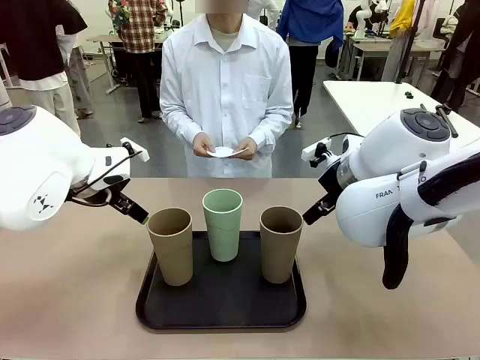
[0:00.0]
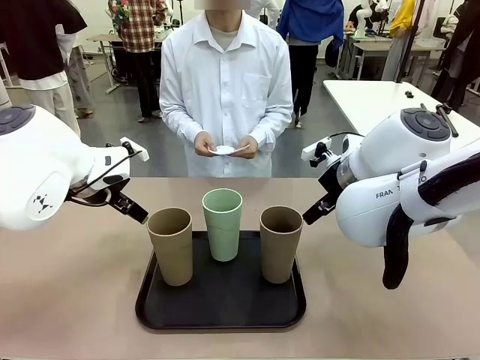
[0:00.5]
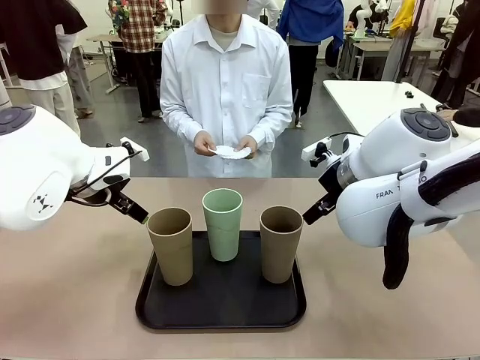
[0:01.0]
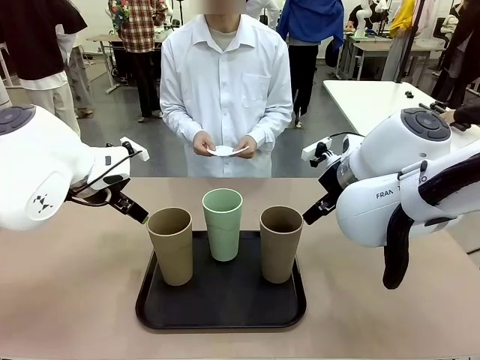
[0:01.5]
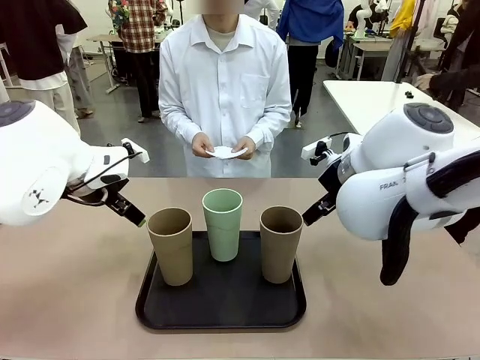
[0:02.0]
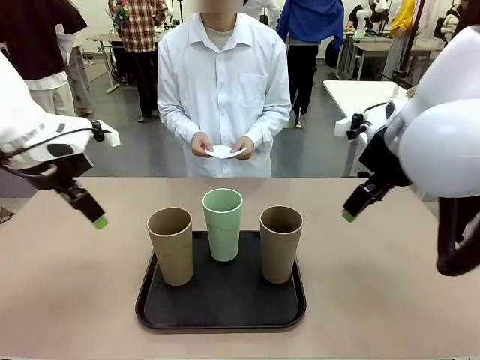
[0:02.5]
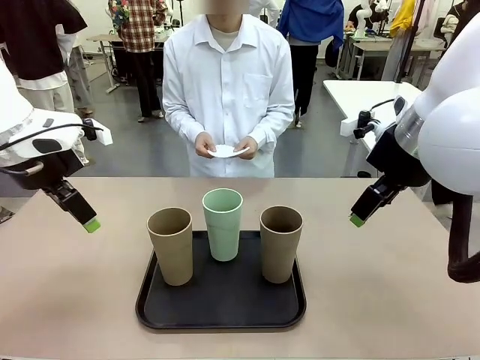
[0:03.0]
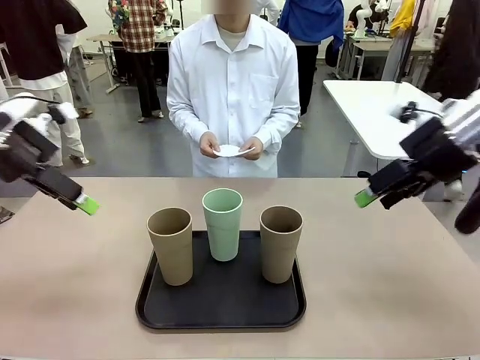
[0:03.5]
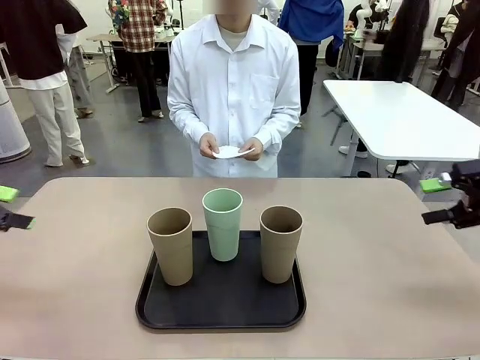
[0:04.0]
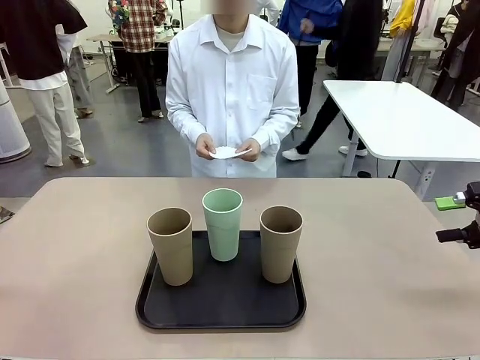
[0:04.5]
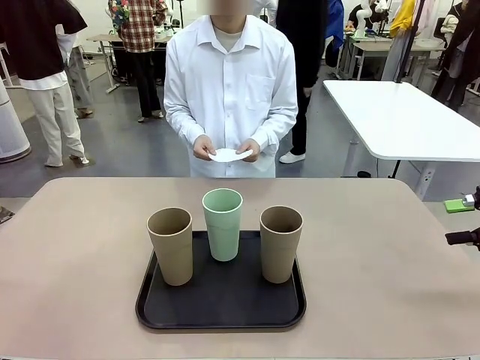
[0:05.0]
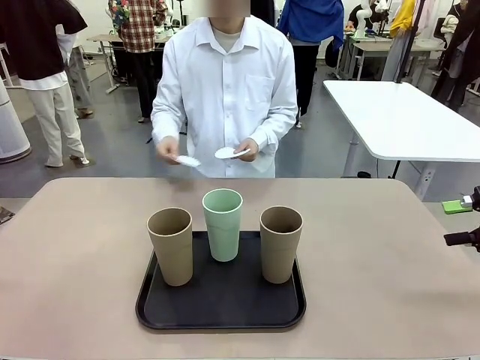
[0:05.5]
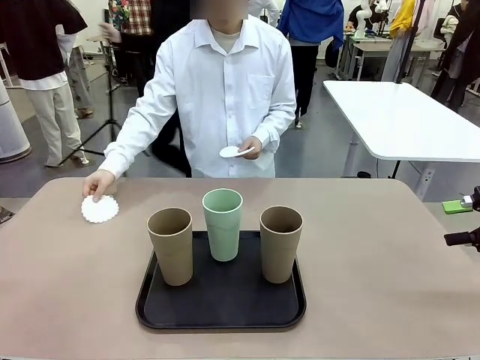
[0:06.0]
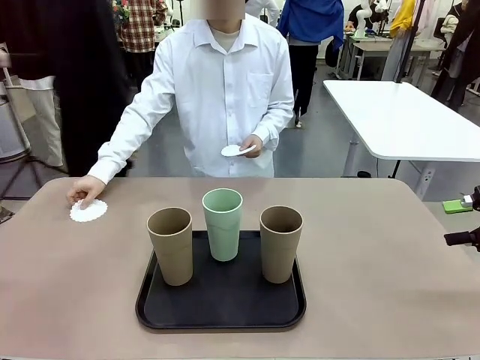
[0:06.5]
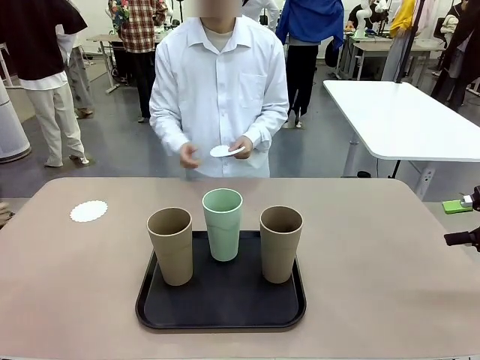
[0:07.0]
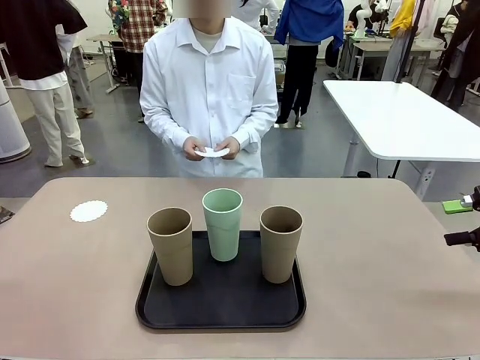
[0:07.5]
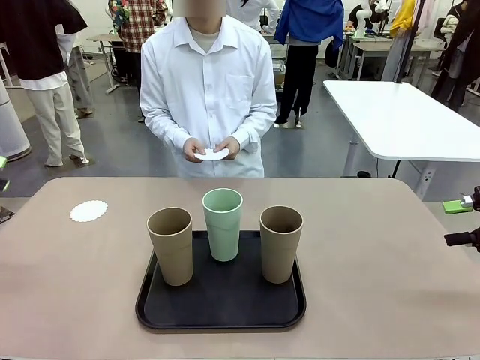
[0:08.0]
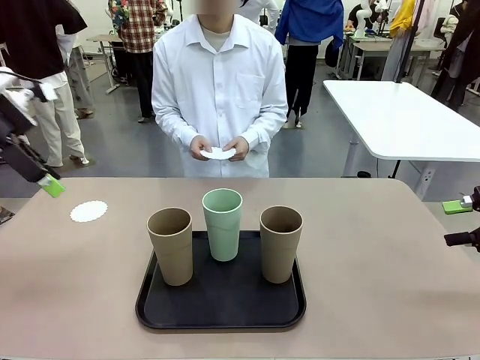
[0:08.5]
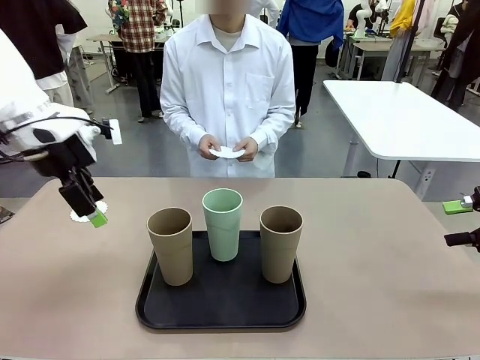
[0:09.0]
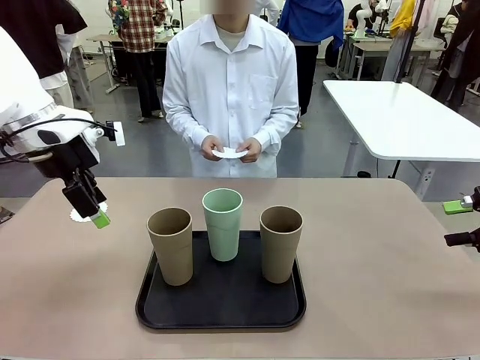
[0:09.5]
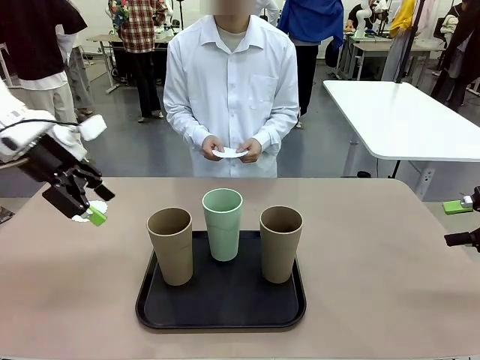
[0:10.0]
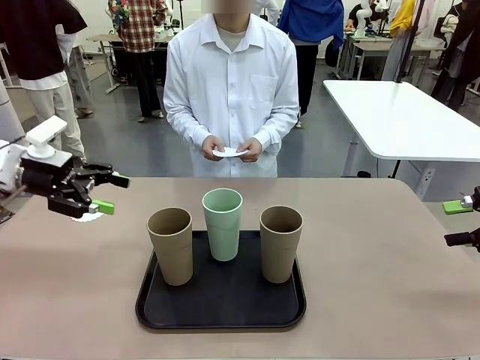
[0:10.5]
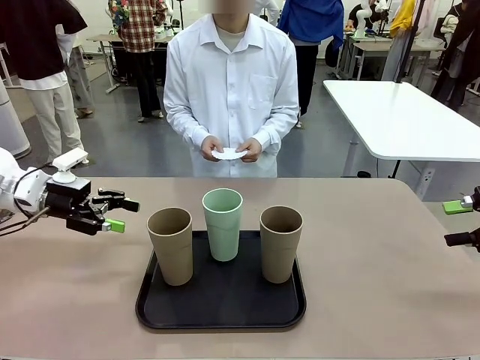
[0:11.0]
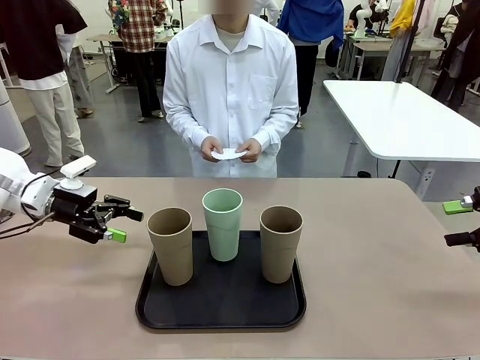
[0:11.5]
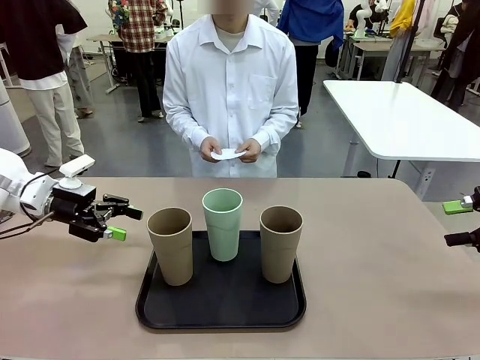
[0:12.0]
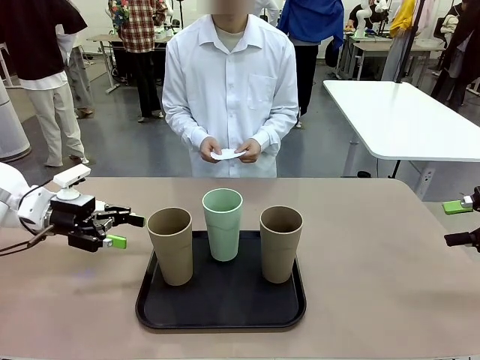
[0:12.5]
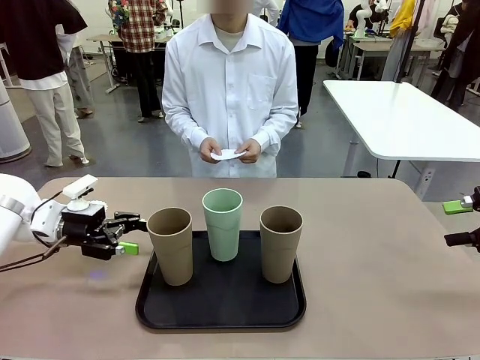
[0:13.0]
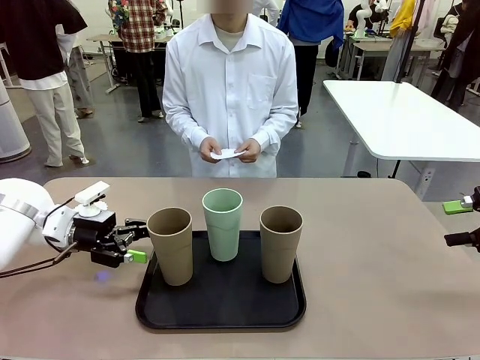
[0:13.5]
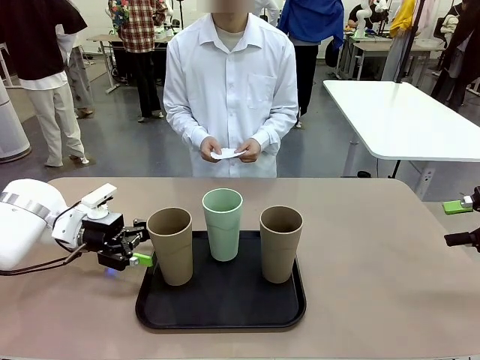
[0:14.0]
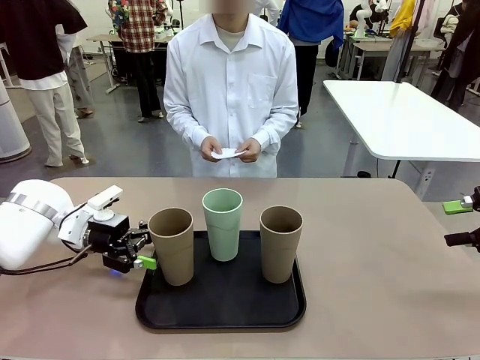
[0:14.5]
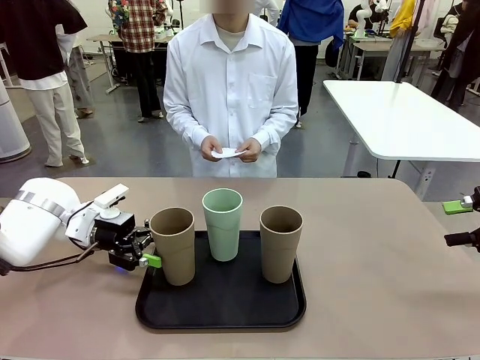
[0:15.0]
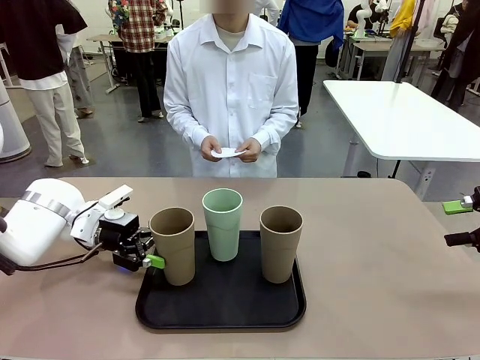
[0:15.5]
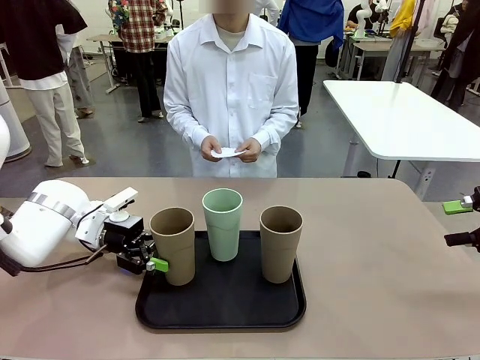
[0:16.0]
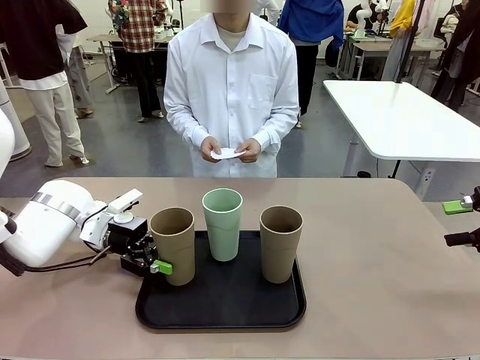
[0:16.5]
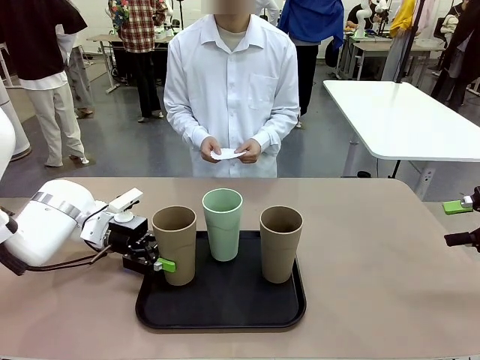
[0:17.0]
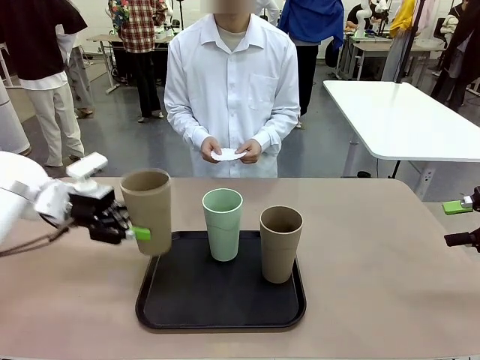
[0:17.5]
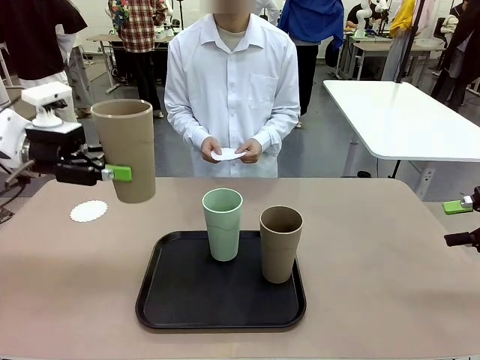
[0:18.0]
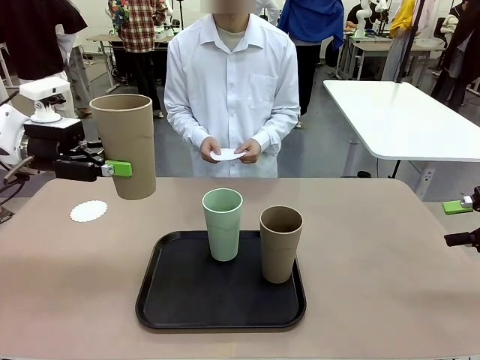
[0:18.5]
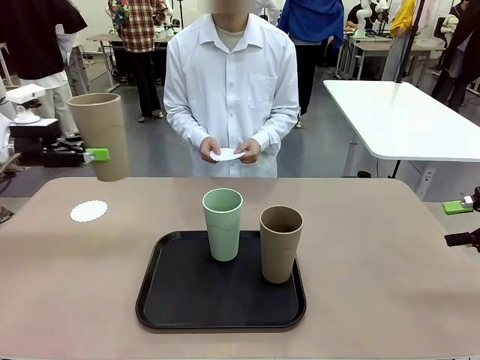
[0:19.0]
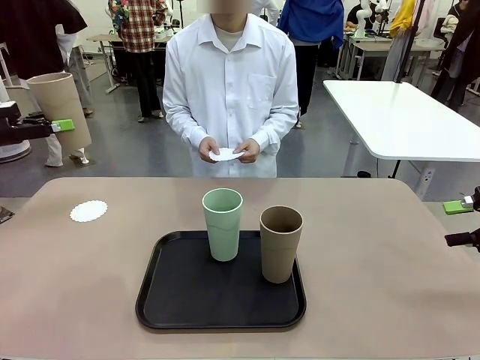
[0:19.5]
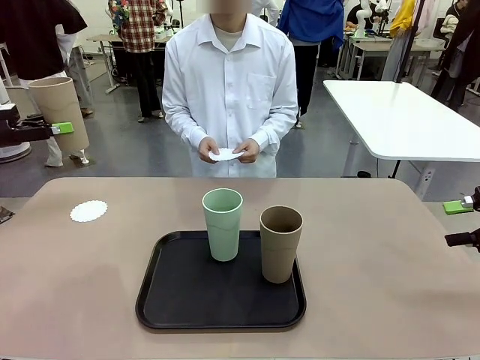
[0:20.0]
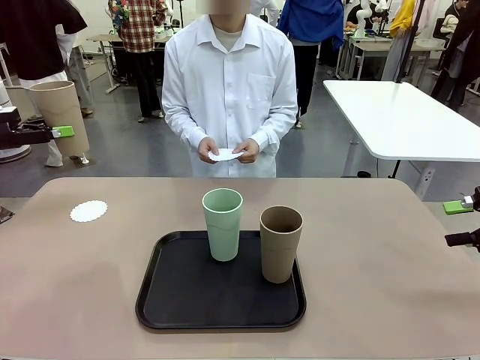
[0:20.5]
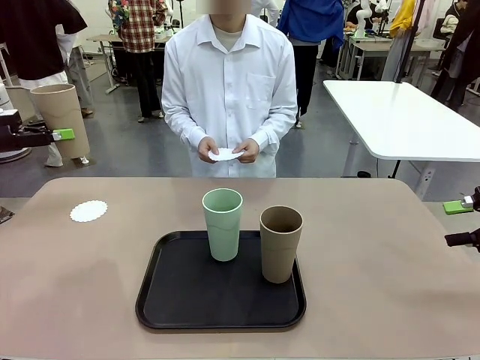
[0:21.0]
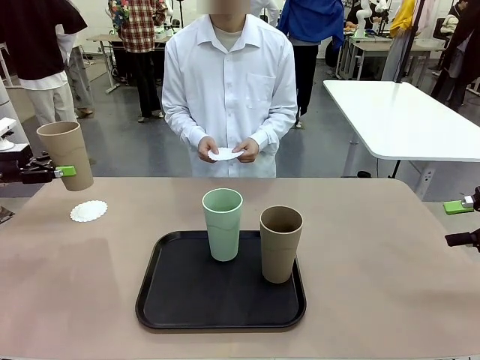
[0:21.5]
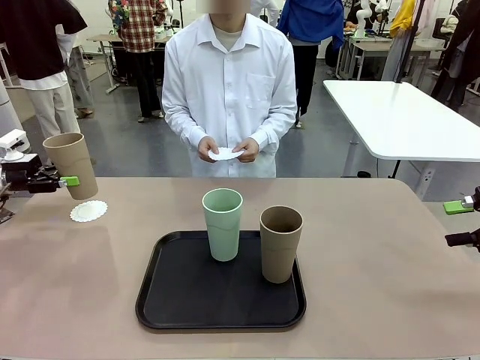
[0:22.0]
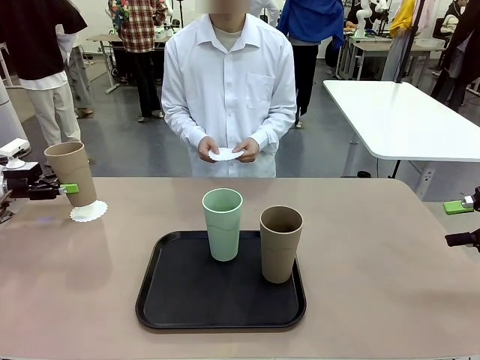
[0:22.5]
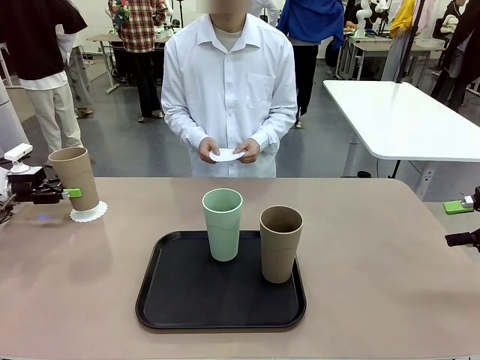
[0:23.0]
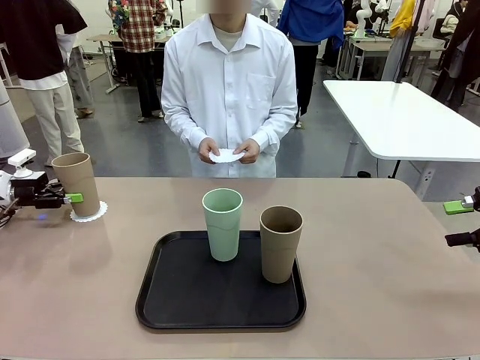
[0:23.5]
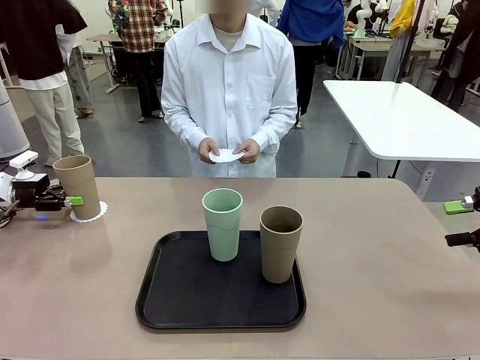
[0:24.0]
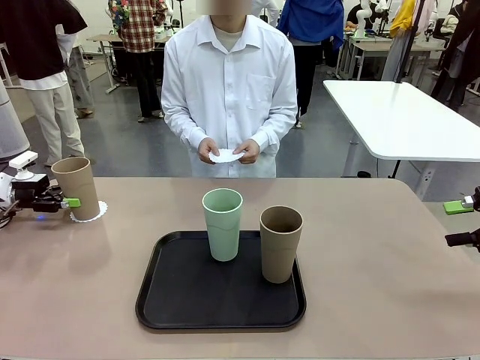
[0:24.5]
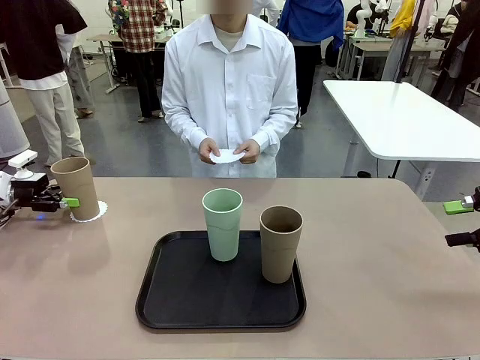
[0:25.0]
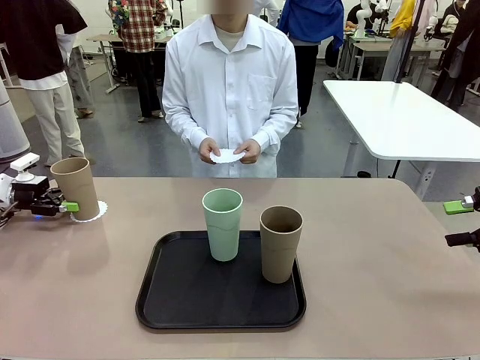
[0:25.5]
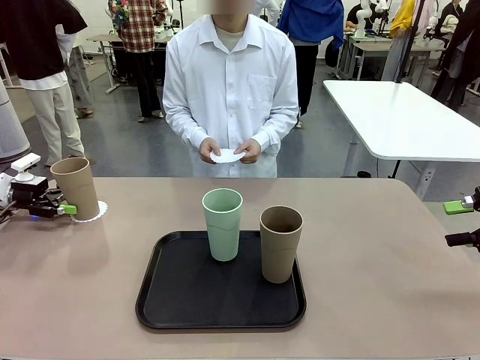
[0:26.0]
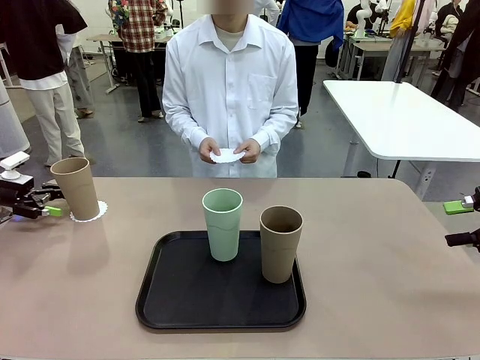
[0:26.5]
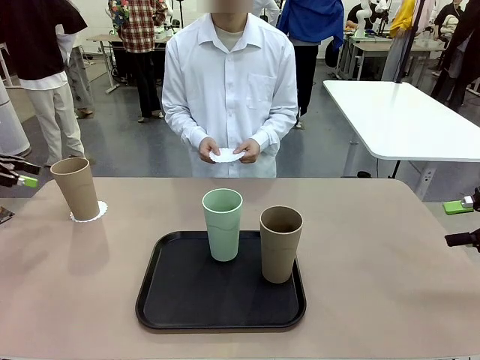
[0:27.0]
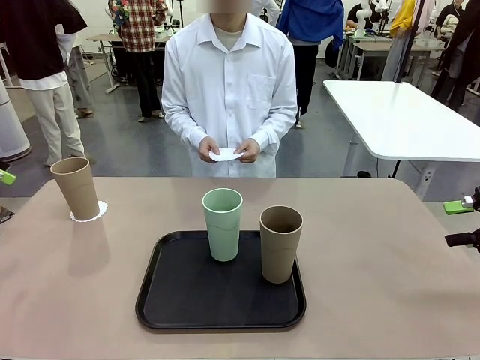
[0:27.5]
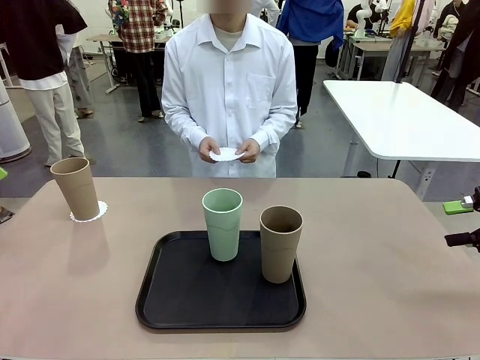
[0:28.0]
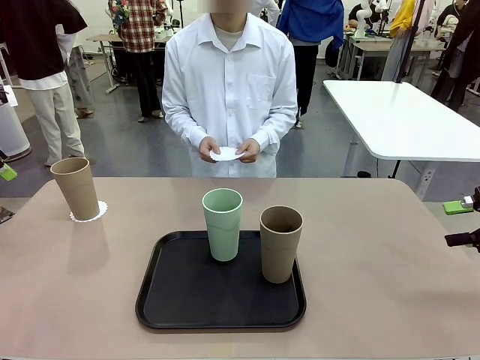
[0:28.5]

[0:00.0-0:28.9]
Task: Place coasters on the table and set cups on them.
Robot: Pick up one Reusable plastic cup and place it on a coaster set by the human.
Person: Place one coaster in any one of the three lower areas of the robot table (left, center, or right). Place one coaster in one of the two areas excluding the previously selected area.
